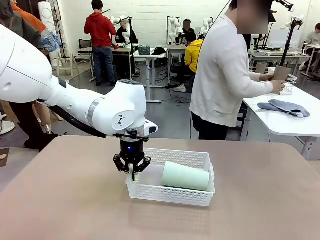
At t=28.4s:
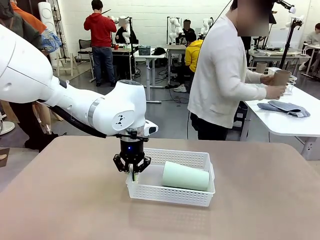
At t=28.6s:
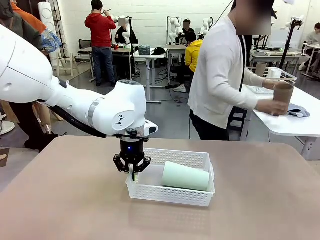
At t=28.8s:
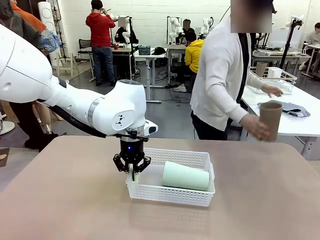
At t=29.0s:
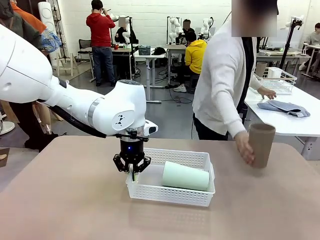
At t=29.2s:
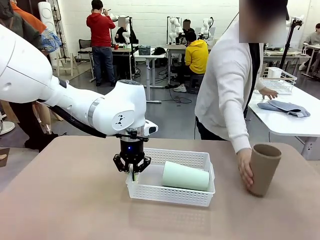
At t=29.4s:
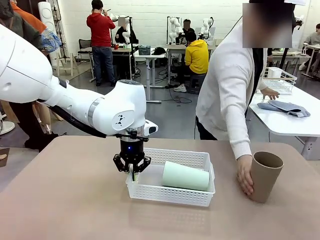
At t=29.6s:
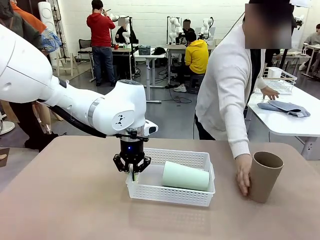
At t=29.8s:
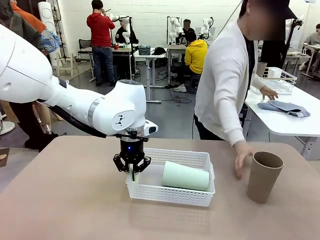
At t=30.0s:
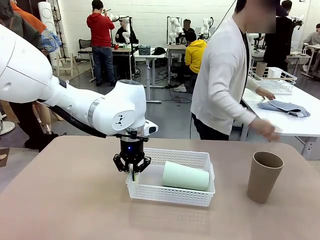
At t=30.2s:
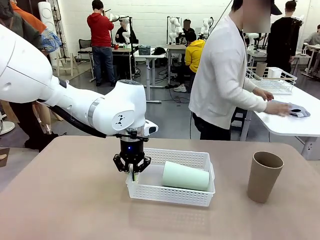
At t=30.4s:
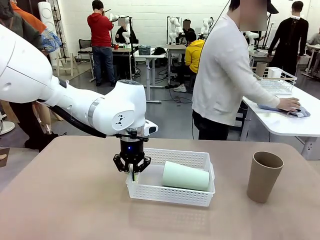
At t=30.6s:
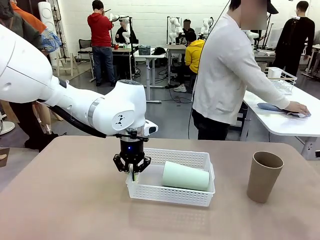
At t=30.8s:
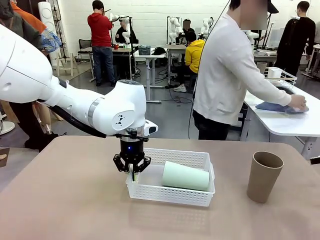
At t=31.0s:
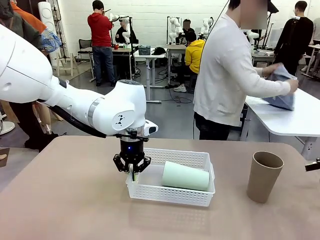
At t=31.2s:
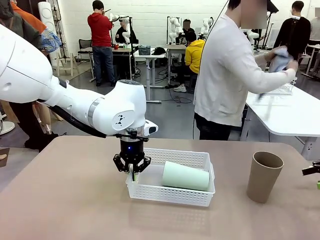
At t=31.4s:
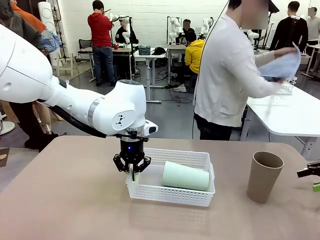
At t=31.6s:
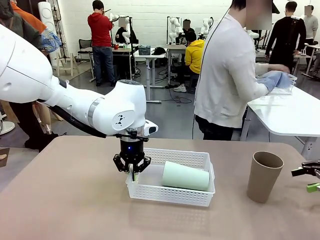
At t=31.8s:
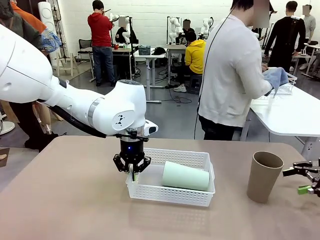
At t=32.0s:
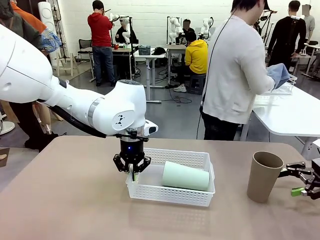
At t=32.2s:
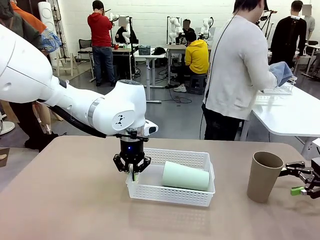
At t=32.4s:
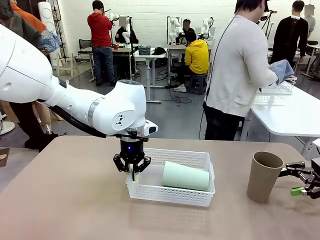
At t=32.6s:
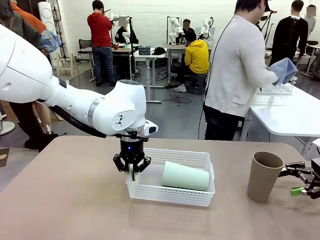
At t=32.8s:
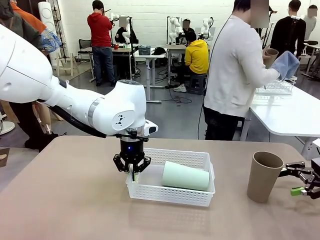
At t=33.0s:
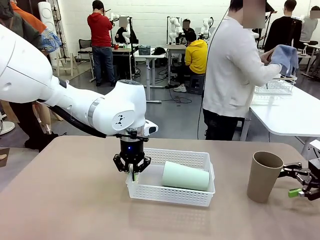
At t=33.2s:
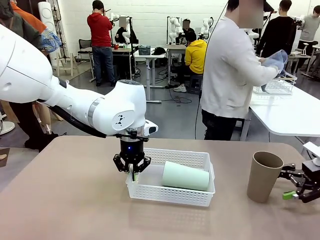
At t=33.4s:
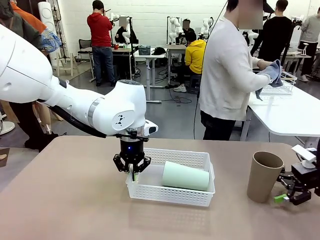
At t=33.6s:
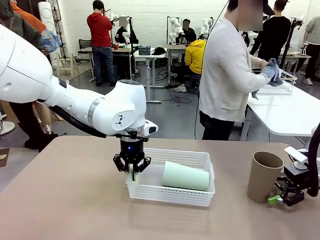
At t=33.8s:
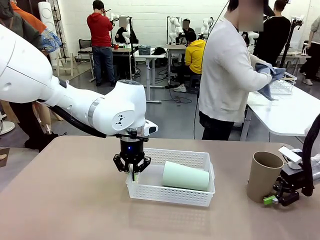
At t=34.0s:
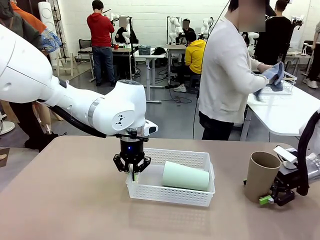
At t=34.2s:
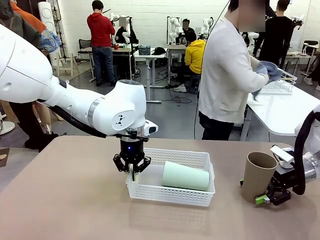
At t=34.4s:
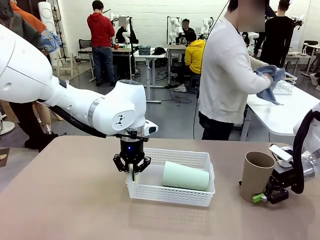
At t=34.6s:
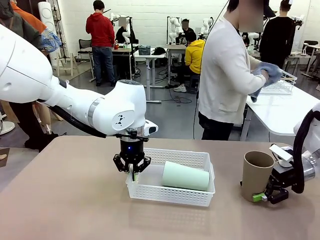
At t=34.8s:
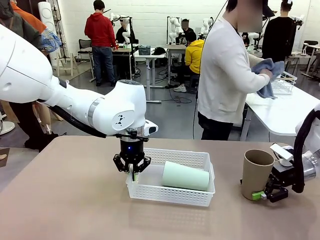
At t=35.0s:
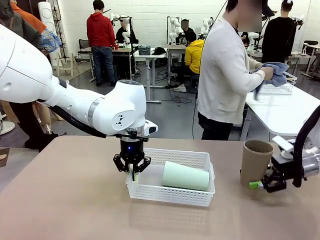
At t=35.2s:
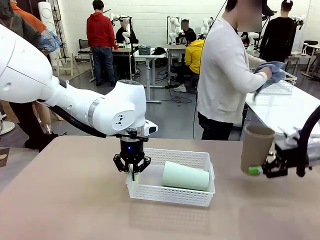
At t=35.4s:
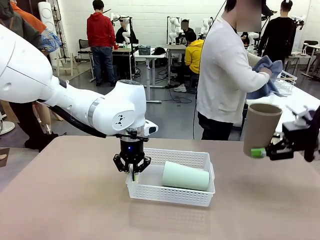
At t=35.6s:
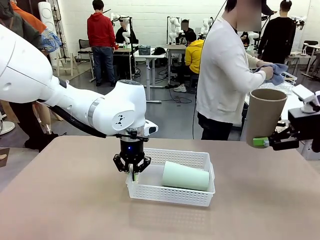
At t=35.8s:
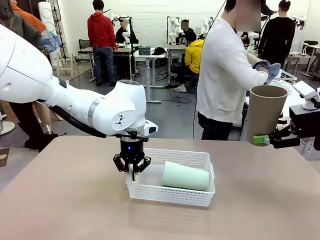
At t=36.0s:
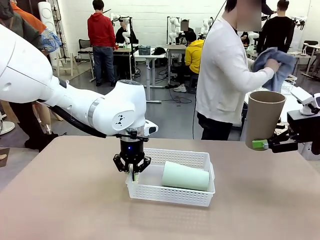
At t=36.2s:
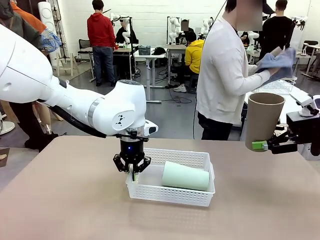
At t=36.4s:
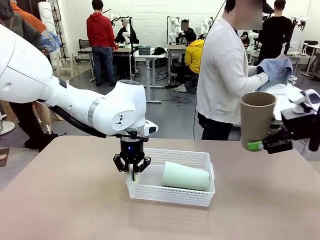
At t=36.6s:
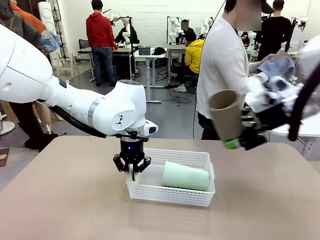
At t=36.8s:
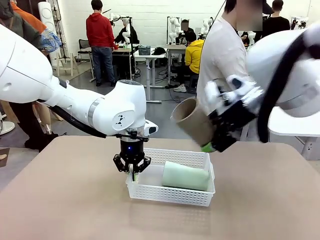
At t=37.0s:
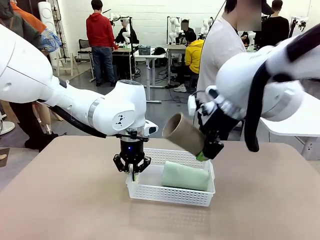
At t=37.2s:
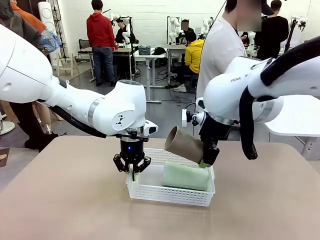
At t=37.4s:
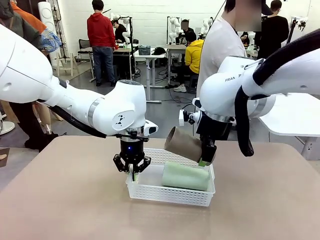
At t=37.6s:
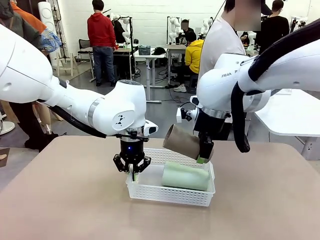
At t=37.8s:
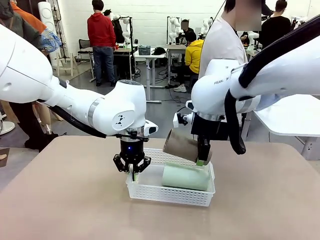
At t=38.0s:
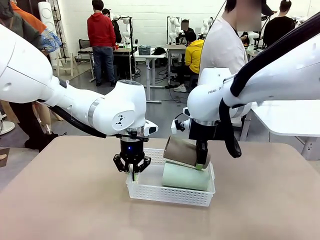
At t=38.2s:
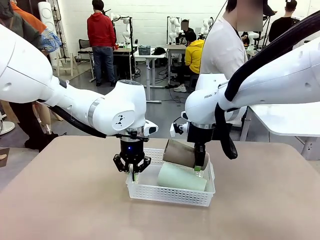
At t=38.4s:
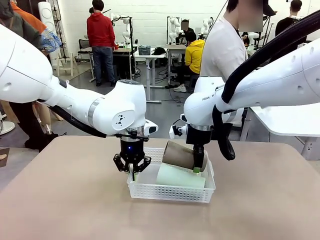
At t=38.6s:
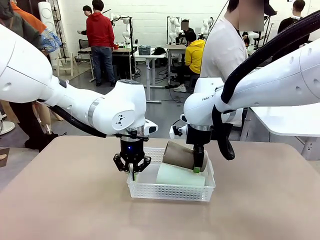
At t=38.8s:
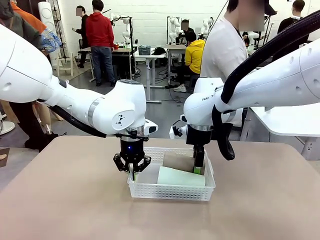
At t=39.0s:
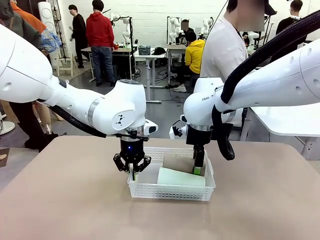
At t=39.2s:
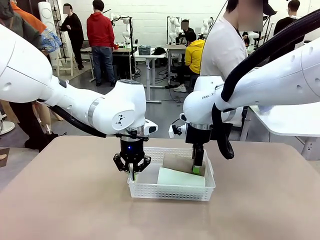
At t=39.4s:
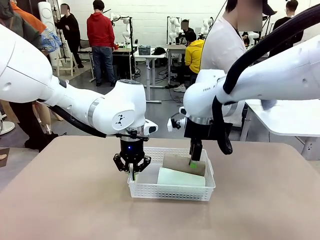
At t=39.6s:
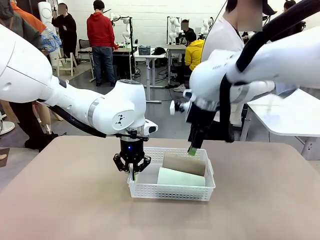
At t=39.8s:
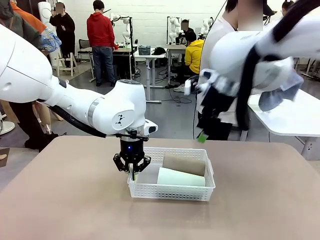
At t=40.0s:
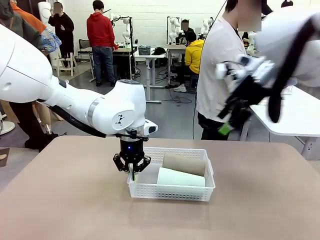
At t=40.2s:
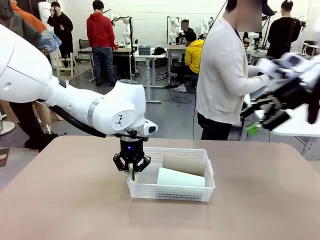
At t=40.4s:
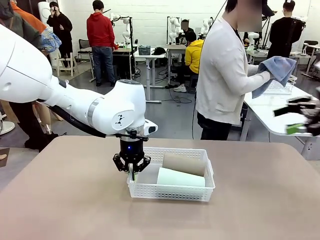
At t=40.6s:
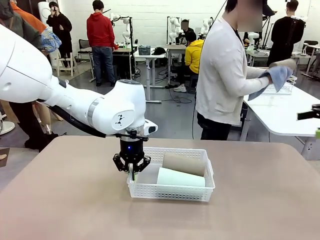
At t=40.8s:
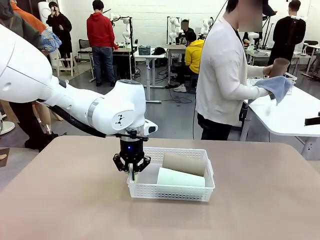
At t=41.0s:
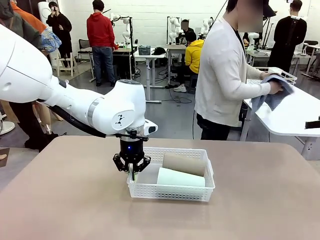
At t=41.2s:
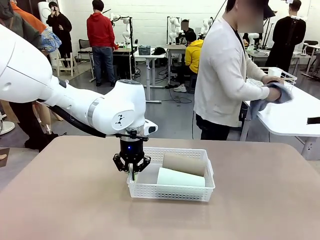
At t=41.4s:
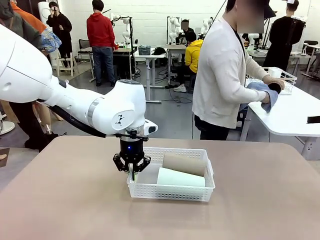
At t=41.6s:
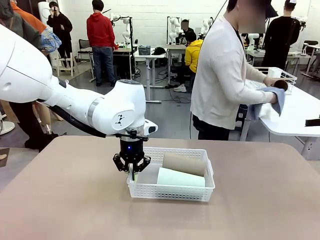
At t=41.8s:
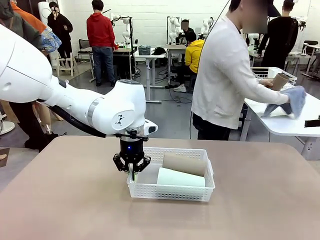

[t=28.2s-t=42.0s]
Task: Clean and organize the cups into the basket.
Robot: Pick up the Reusable plastic cup from the right side of the table and stack it inside the Organizing basket in the center of the table.
